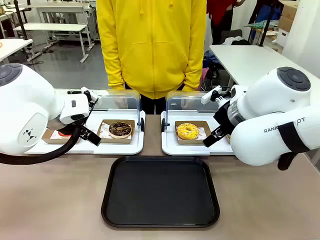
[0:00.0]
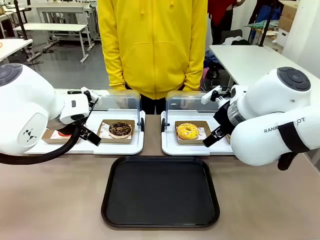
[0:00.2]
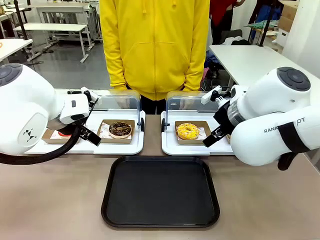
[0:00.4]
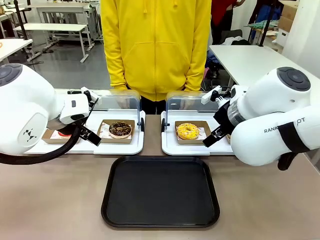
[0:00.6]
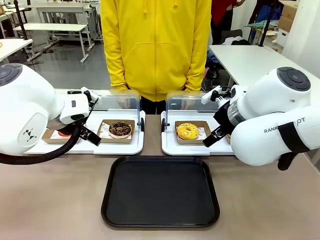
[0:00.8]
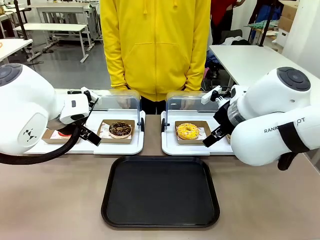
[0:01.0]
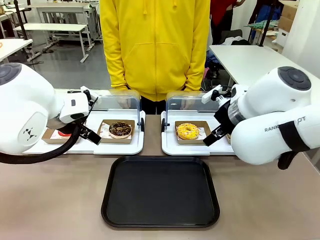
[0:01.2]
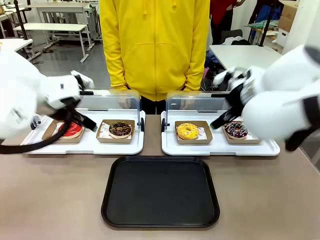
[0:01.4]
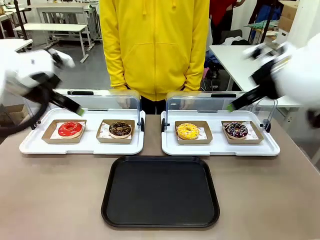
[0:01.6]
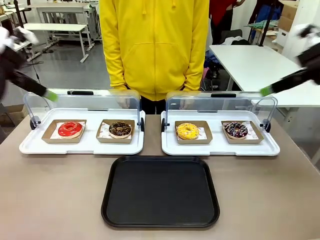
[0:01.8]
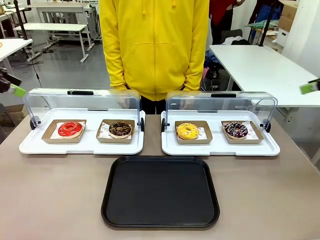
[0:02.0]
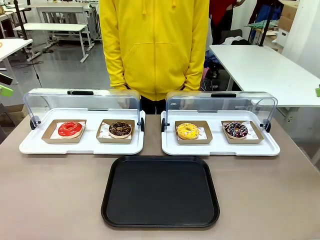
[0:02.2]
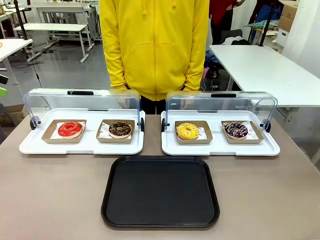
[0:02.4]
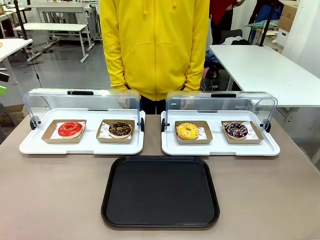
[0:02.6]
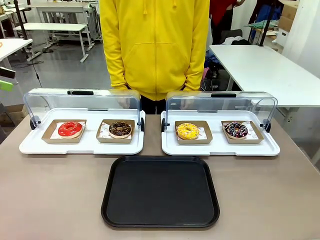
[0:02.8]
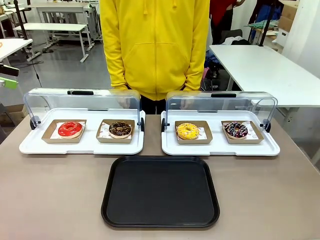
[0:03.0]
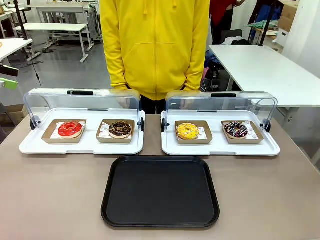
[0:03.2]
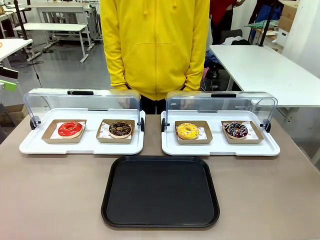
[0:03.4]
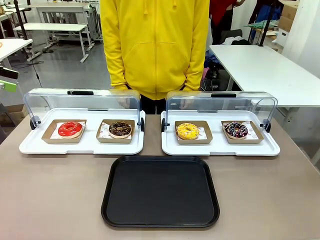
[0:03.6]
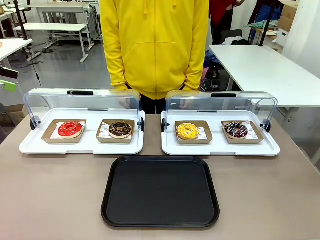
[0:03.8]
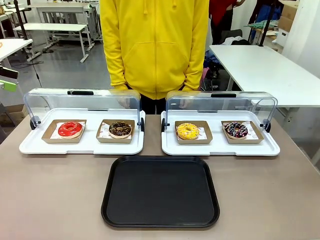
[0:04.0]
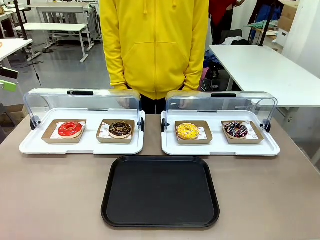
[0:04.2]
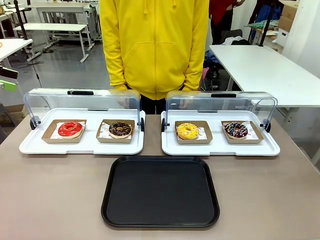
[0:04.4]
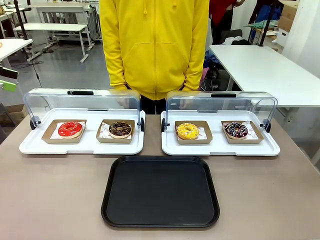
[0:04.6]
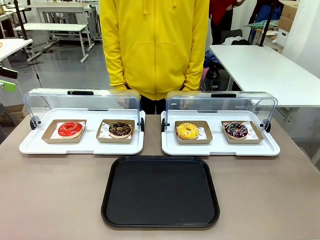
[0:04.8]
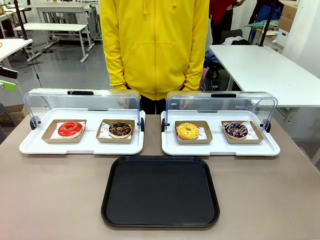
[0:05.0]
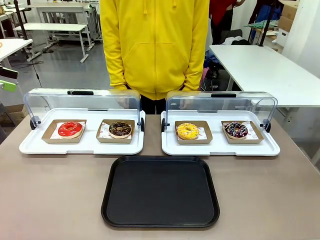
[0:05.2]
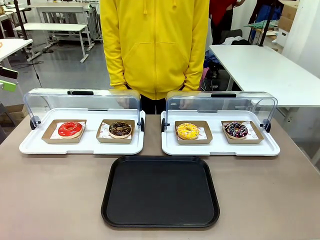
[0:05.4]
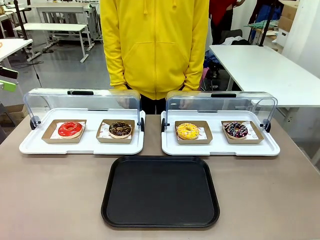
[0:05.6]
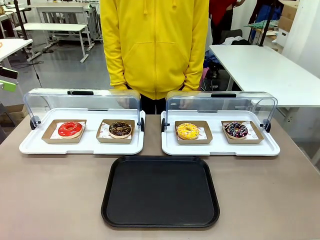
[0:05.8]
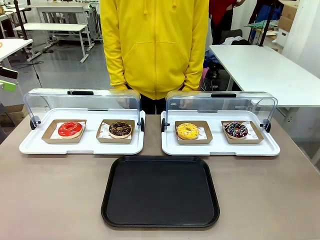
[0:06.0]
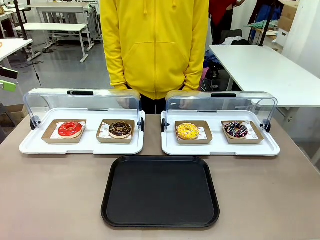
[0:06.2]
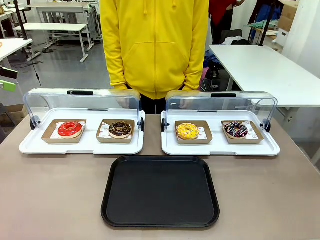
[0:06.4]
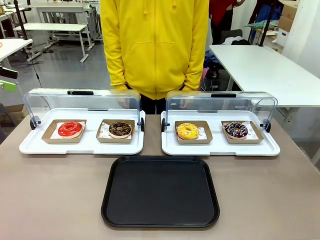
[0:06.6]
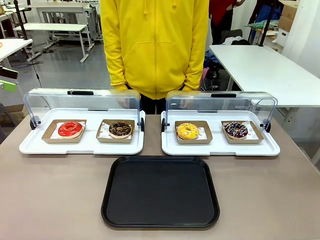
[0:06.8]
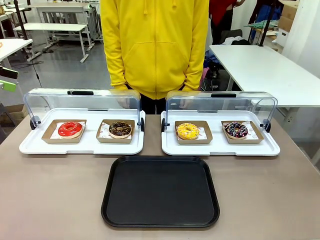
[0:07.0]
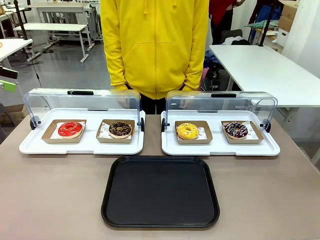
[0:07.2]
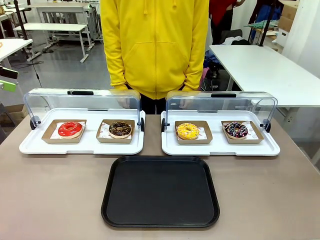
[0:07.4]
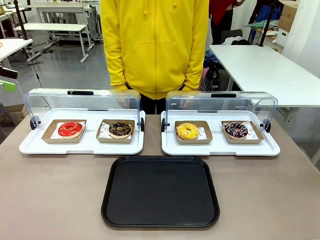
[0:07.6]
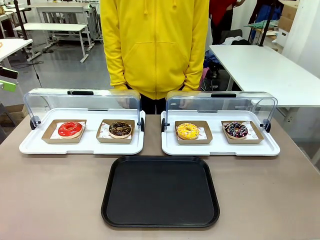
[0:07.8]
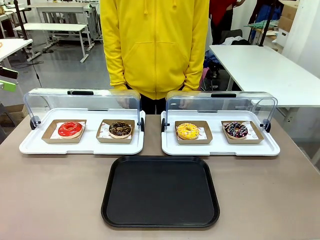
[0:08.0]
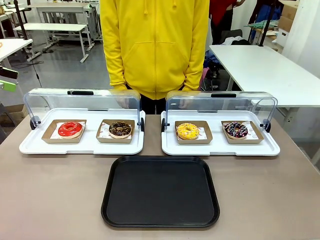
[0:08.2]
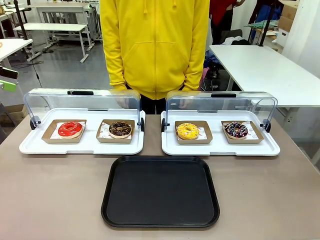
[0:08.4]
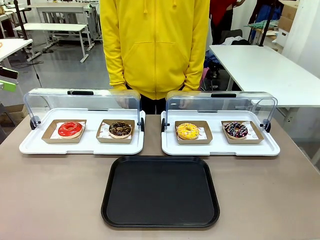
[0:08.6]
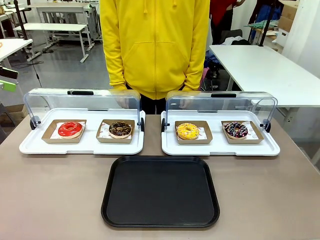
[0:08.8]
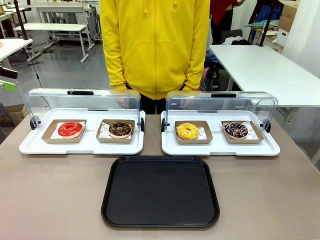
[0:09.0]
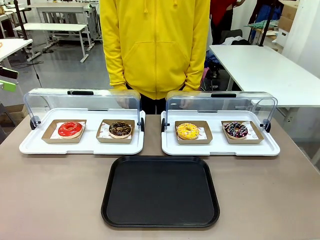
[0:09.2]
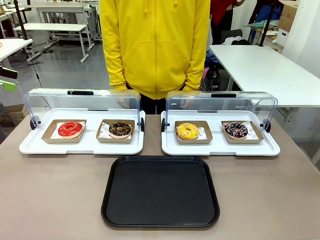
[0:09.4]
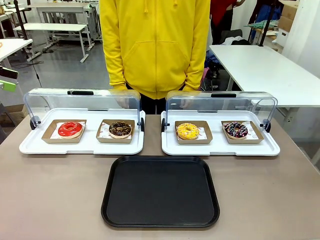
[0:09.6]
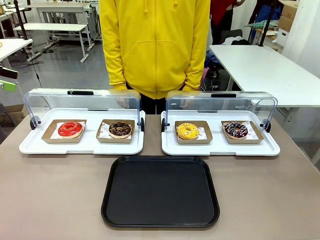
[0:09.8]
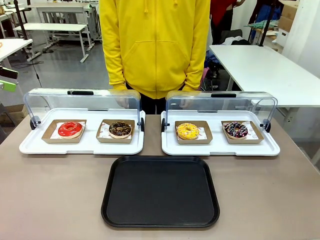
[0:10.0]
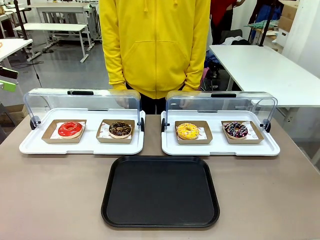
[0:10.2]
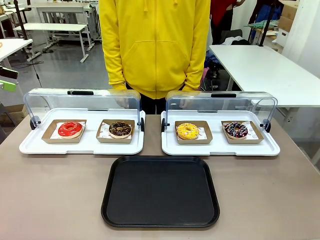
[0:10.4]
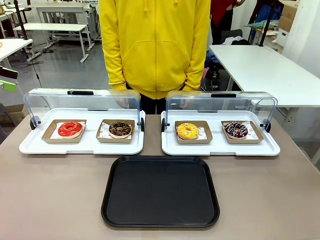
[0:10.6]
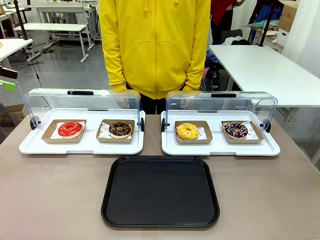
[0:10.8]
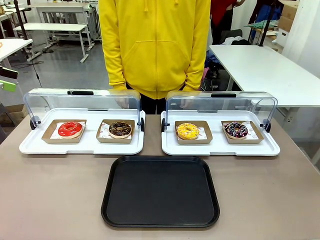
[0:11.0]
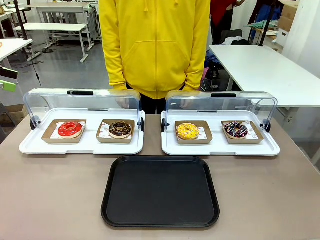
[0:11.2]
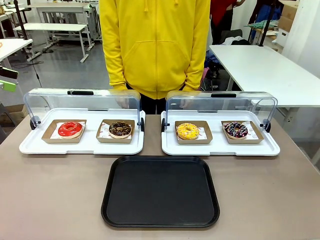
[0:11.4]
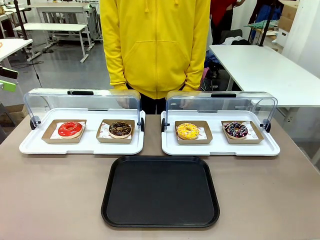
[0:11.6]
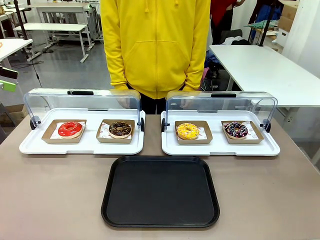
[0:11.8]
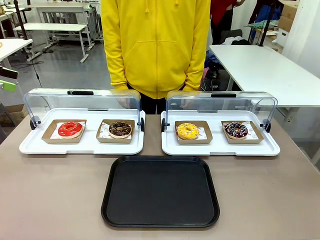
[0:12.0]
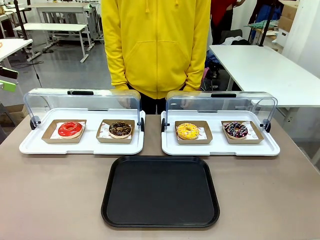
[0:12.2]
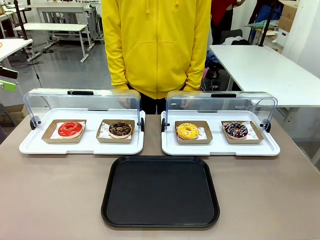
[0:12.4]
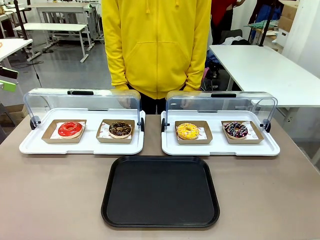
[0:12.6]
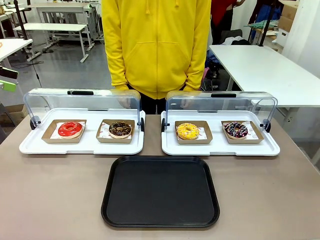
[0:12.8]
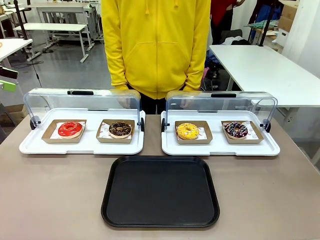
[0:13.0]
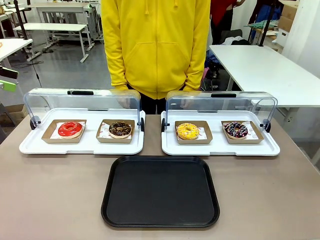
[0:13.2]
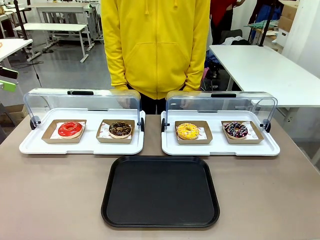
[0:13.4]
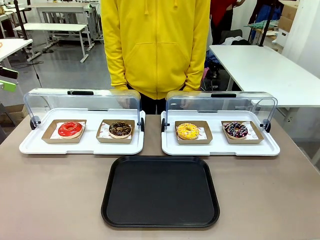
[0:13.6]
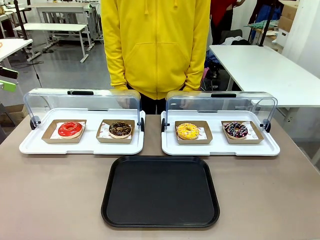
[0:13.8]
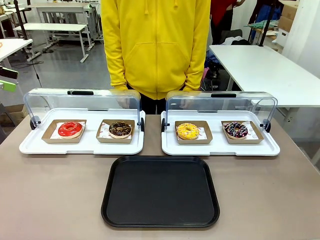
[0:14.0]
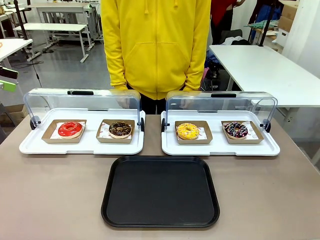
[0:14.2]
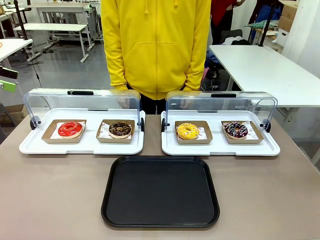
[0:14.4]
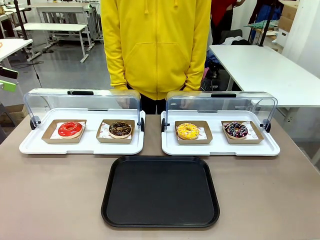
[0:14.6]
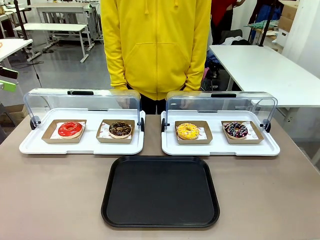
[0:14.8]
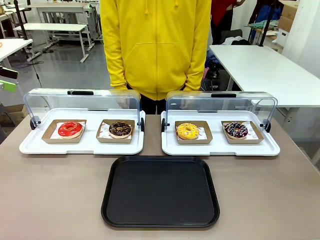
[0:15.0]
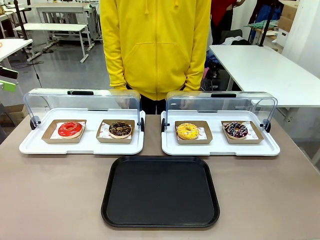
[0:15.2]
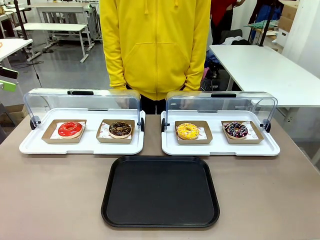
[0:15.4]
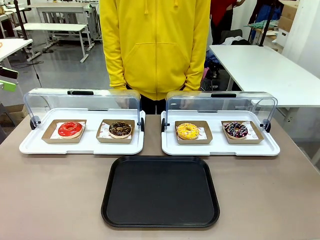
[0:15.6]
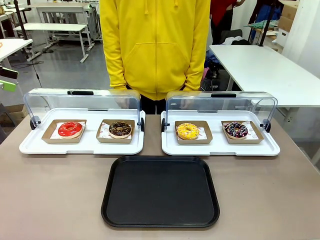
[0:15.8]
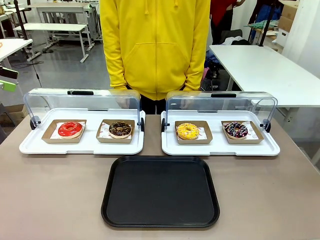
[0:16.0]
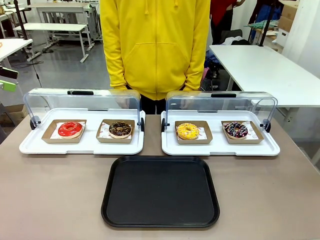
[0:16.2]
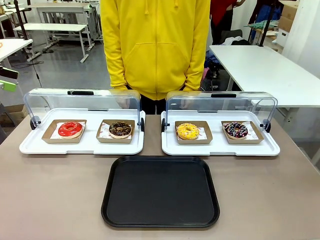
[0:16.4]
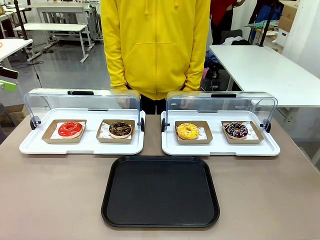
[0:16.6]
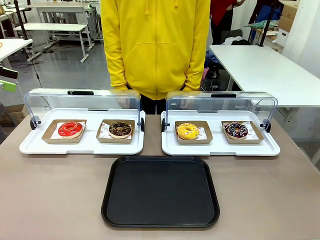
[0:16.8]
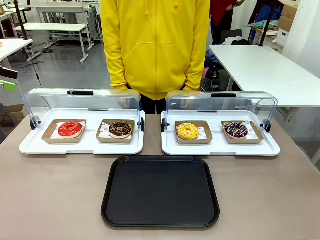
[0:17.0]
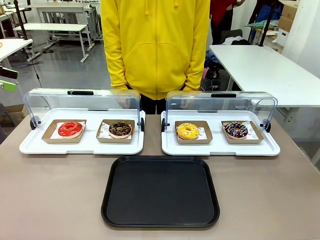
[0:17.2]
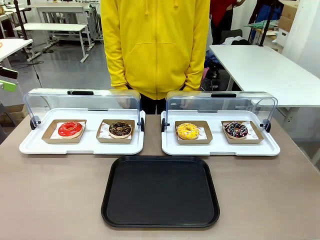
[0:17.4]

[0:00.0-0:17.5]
Task: Move the second donut from the left to the tray.
Robot: Pick up the Paper togo box containing the Donut indicated by the person and place it on the Handle tray.
